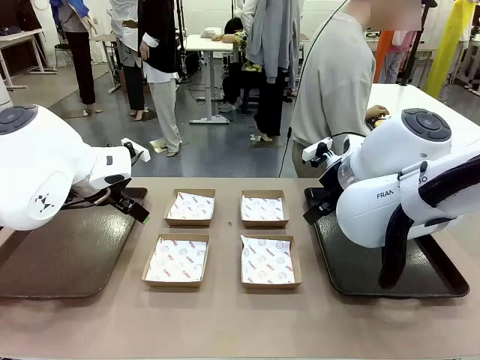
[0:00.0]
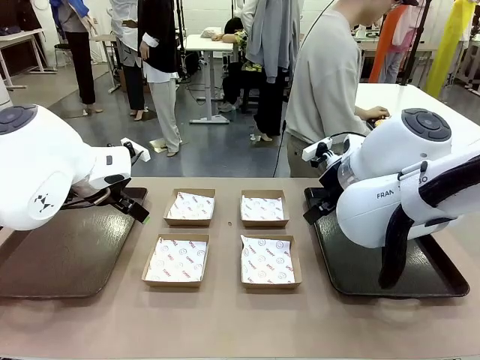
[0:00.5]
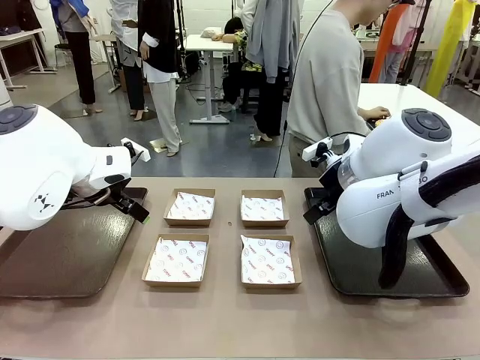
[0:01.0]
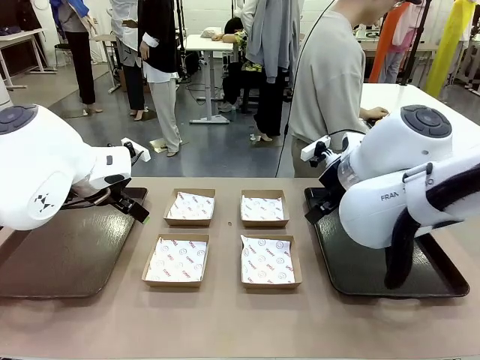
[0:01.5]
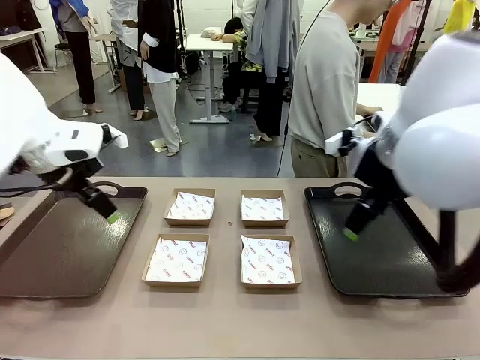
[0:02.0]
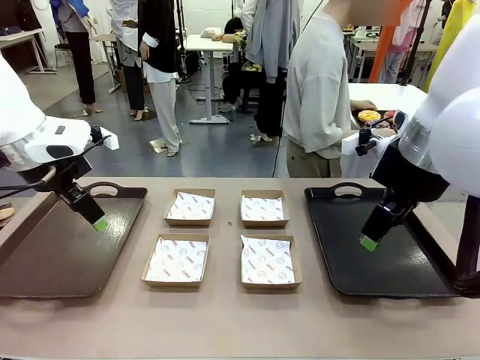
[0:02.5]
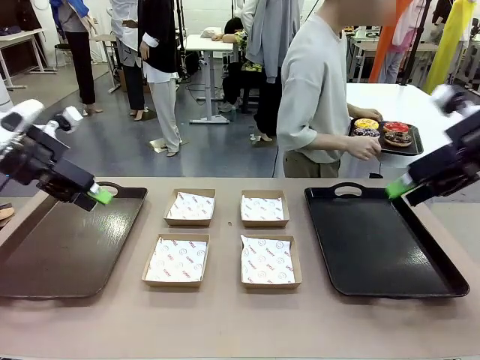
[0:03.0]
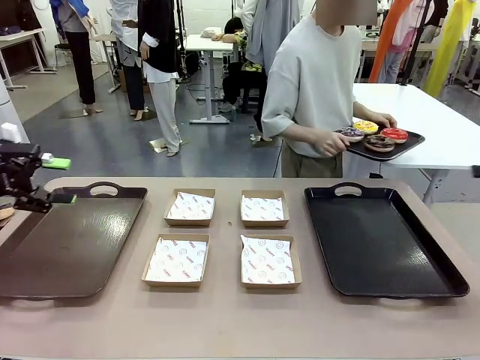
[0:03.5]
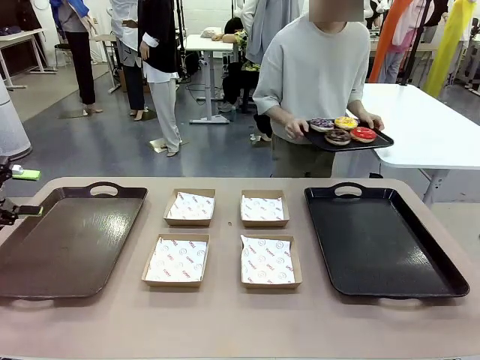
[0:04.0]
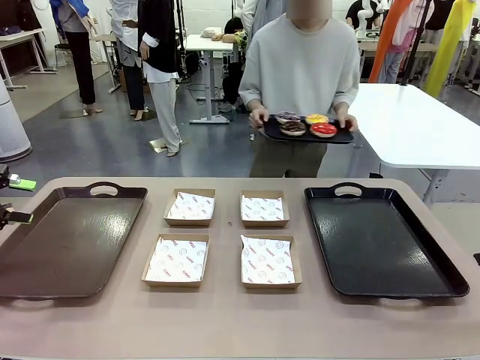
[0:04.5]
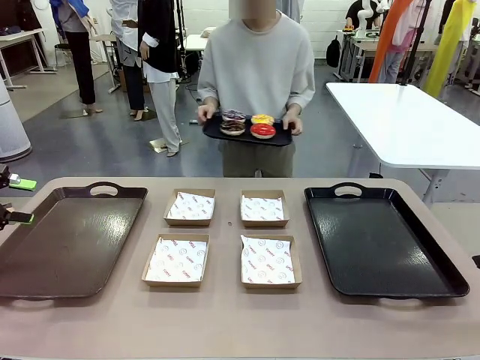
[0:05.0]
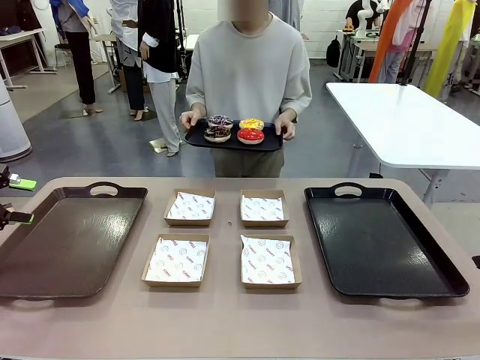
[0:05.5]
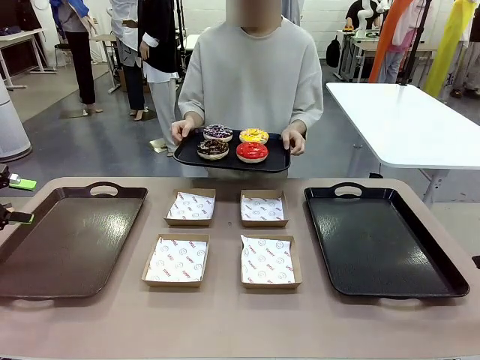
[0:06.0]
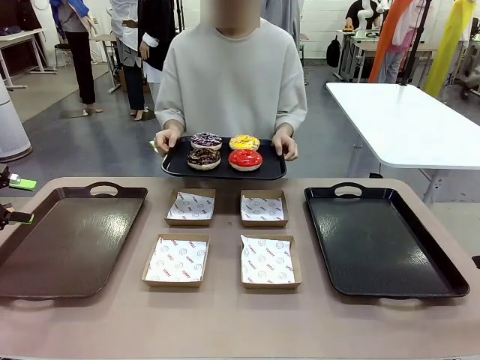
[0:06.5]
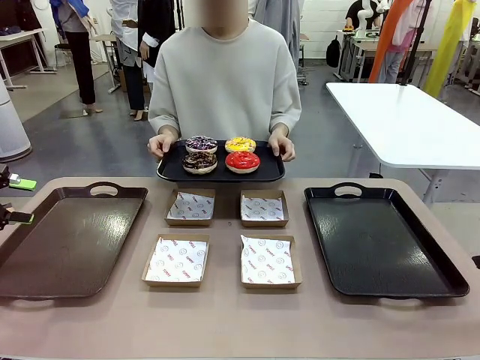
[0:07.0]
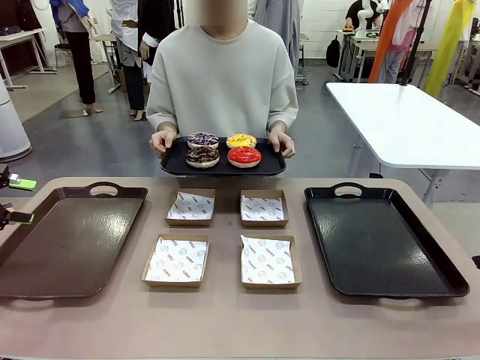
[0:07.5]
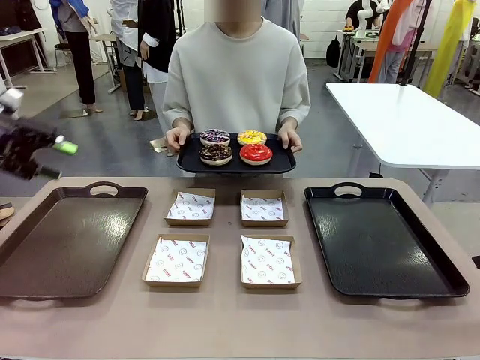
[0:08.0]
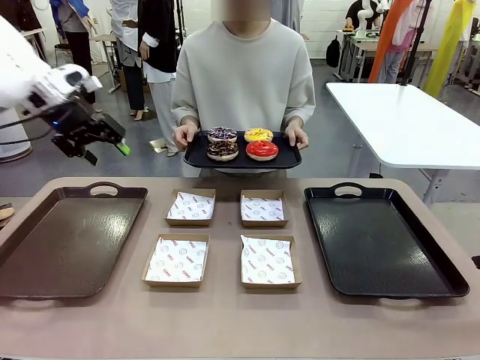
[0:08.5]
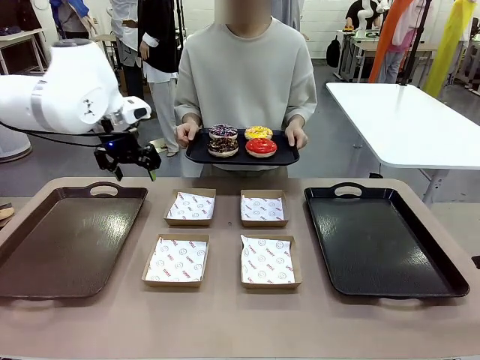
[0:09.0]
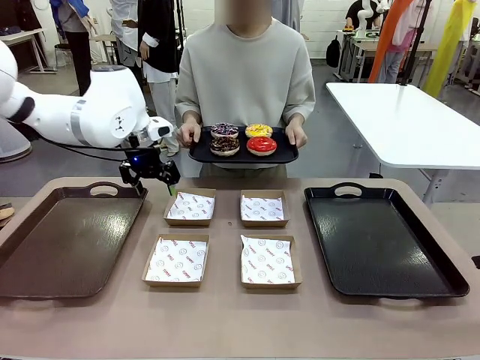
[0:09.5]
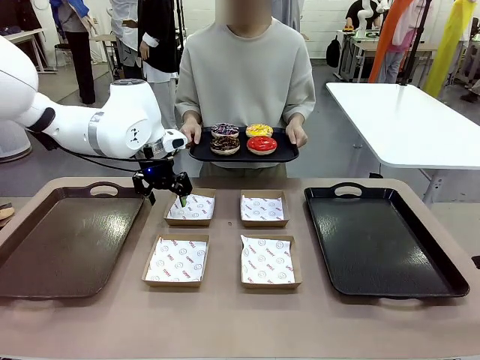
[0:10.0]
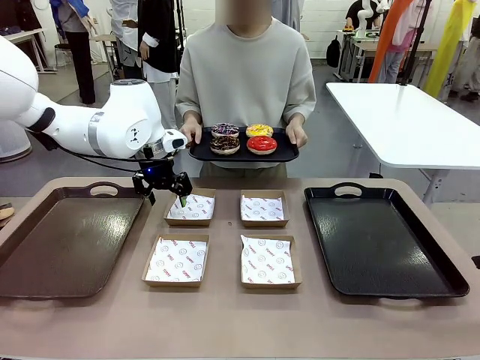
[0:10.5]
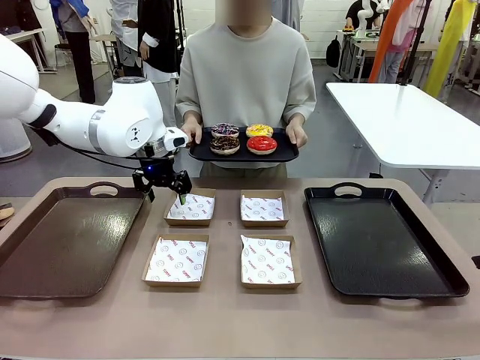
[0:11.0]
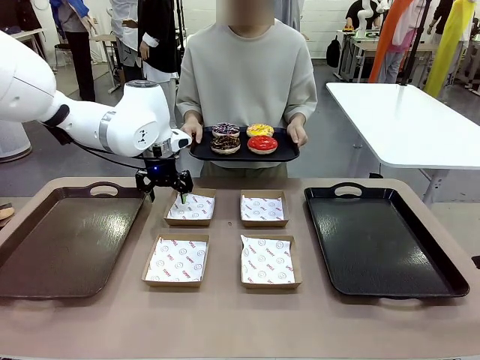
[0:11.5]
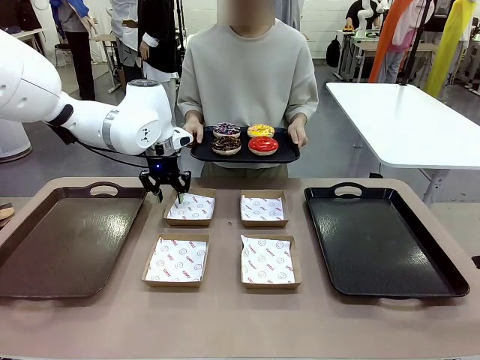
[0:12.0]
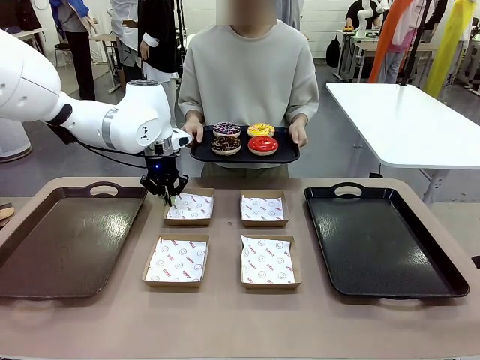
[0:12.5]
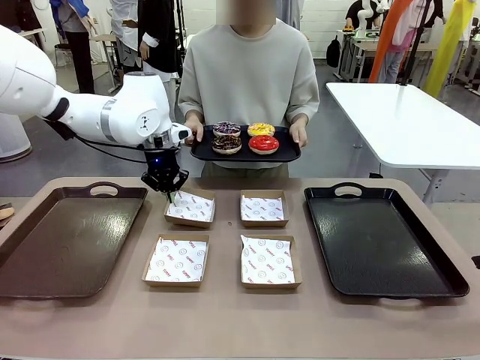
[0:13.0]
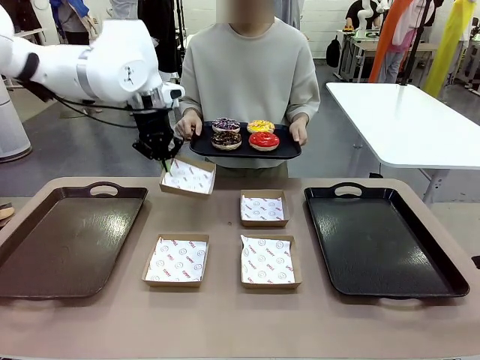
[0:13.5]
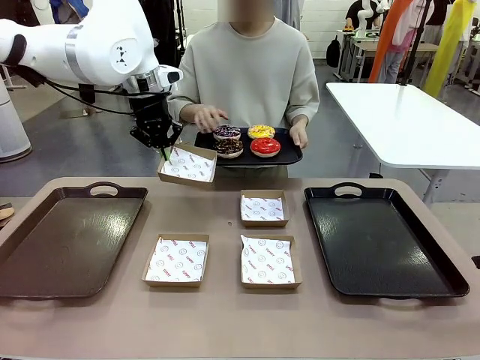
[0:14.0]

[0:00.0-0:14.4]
Task: Individually package the donuts and arrange them on the tray.
Robot: Pick up one Paper togo box.
Person: Stand in front of the robot table holding the tray containing the donuts.

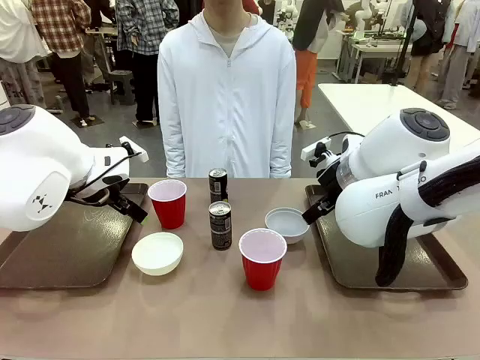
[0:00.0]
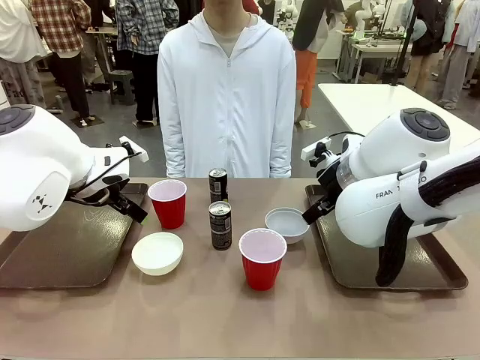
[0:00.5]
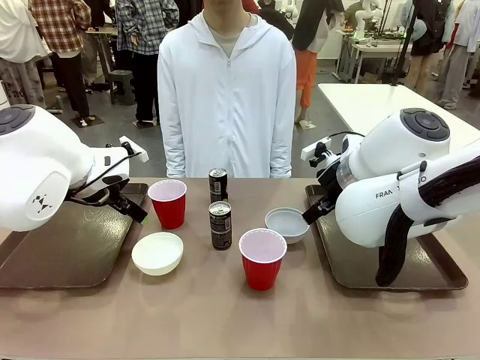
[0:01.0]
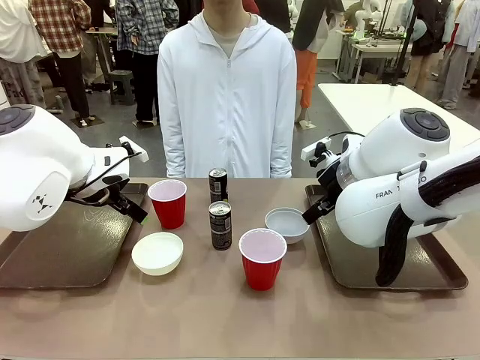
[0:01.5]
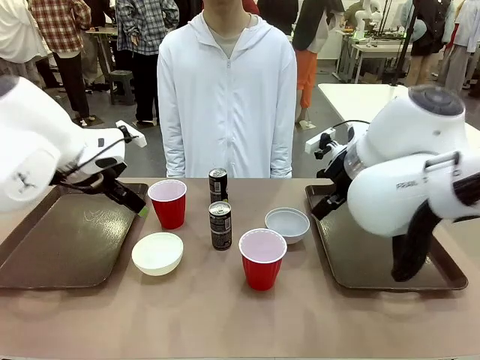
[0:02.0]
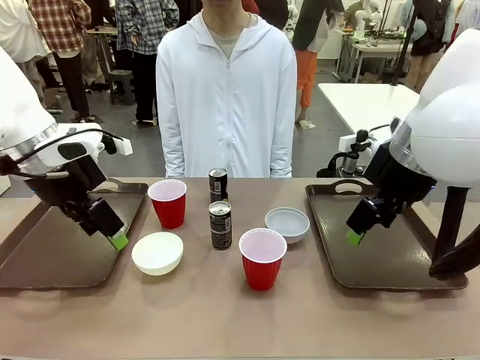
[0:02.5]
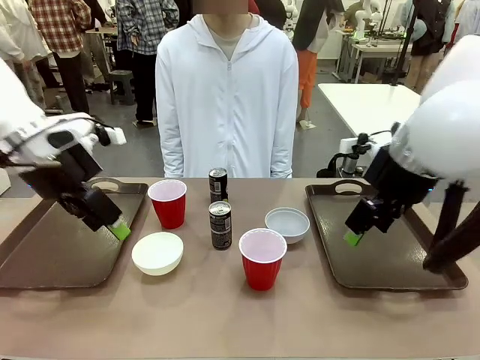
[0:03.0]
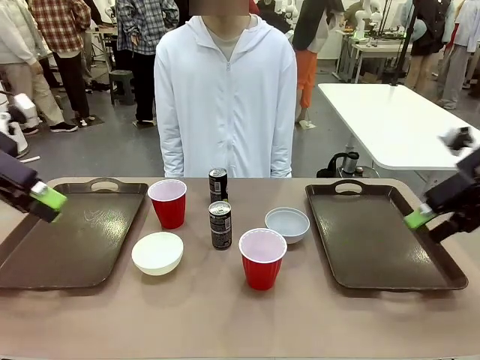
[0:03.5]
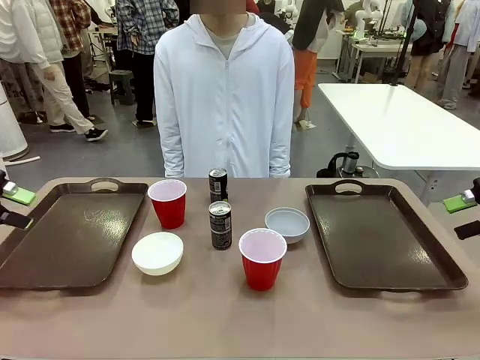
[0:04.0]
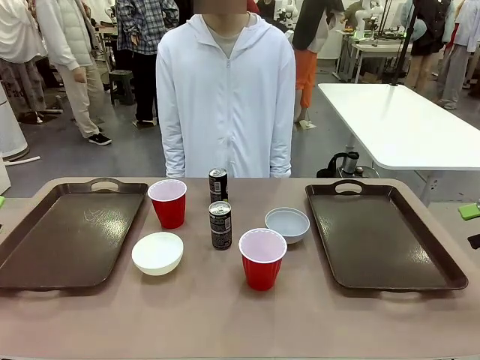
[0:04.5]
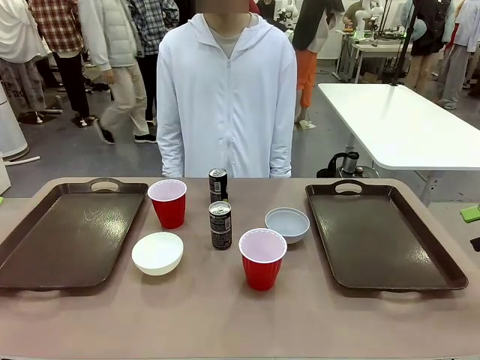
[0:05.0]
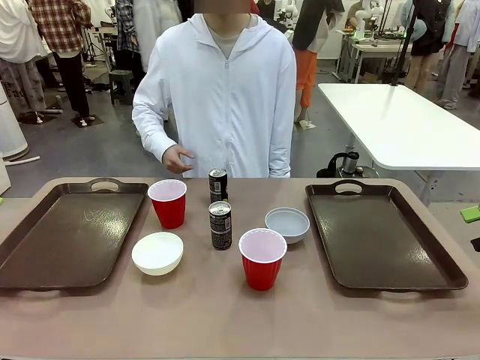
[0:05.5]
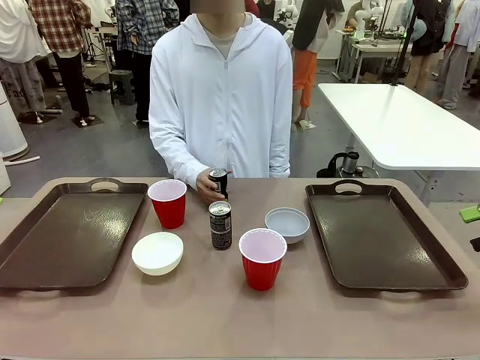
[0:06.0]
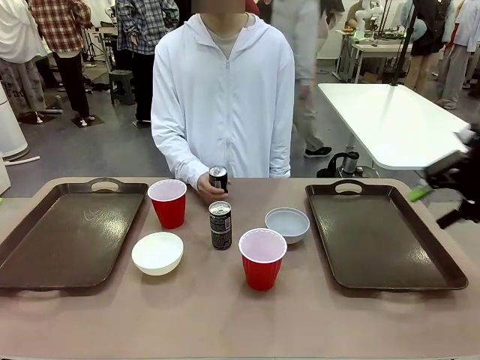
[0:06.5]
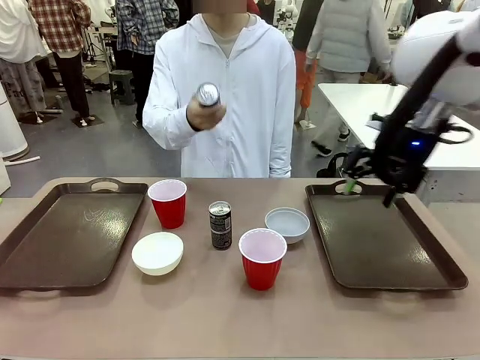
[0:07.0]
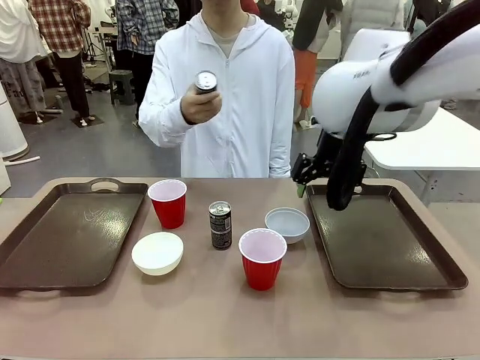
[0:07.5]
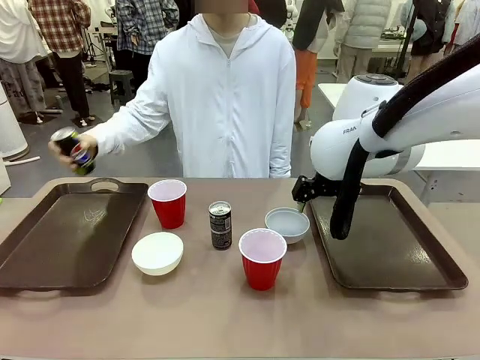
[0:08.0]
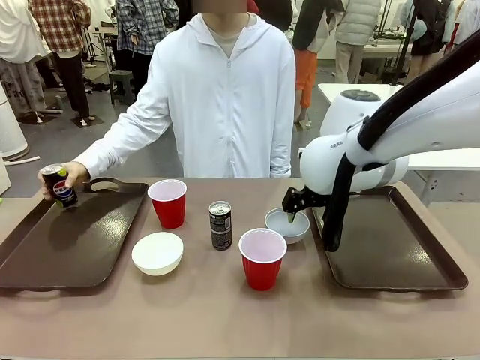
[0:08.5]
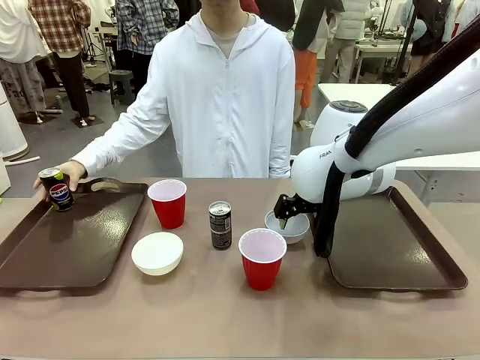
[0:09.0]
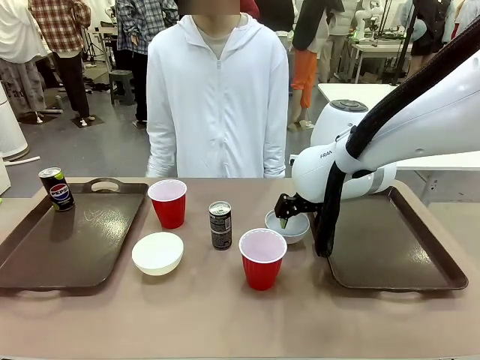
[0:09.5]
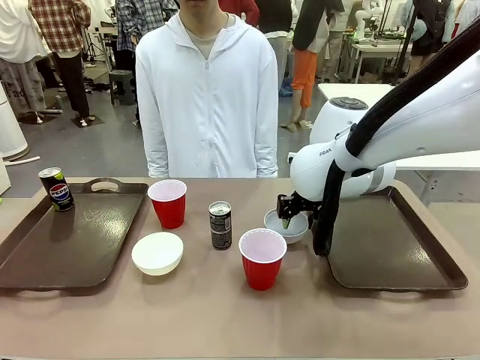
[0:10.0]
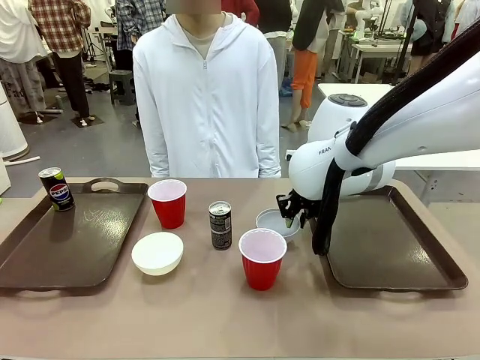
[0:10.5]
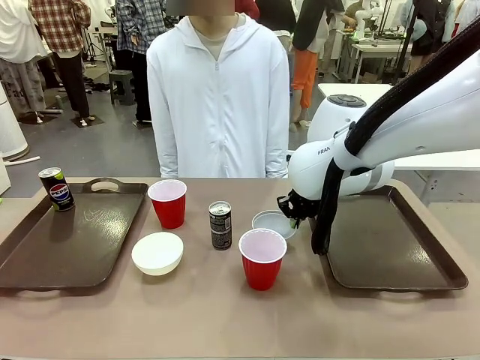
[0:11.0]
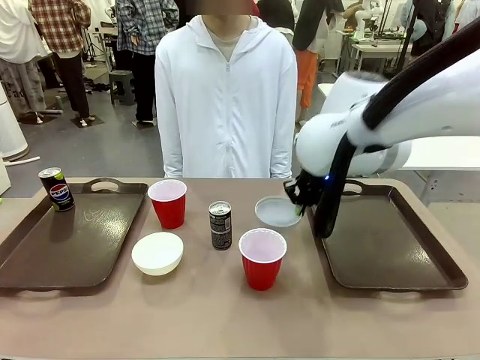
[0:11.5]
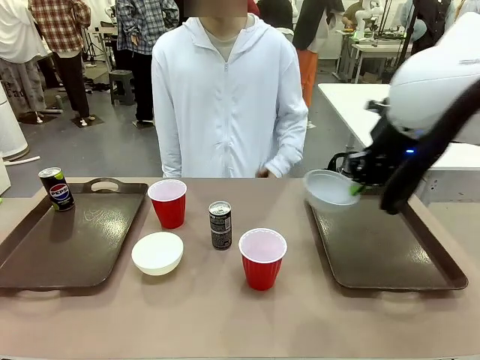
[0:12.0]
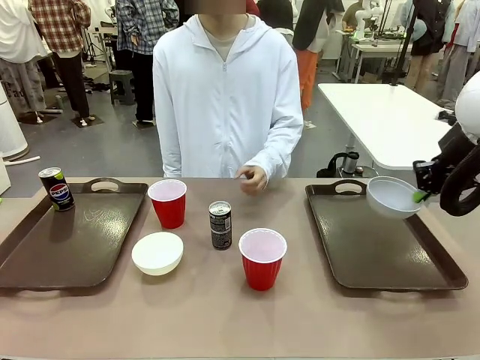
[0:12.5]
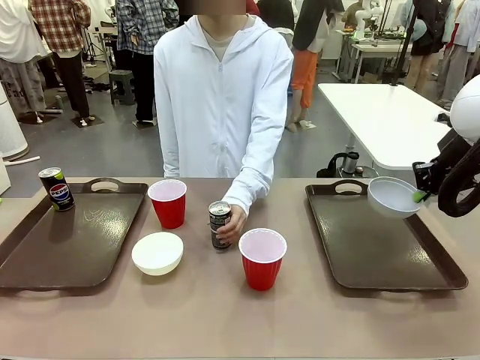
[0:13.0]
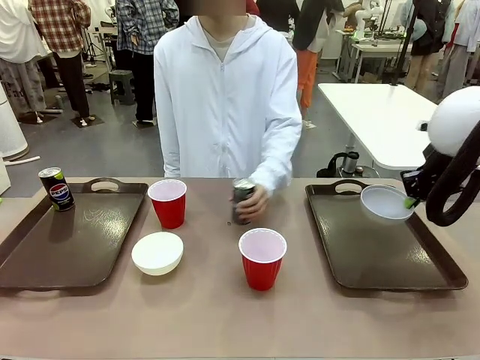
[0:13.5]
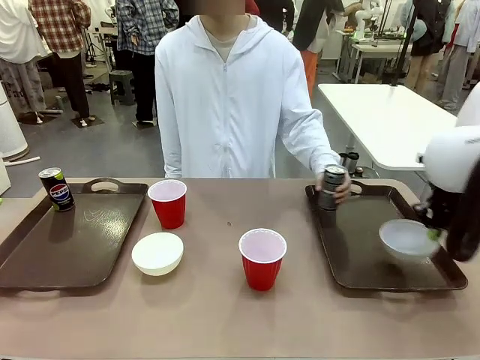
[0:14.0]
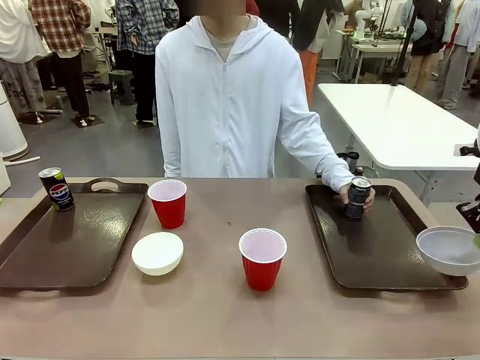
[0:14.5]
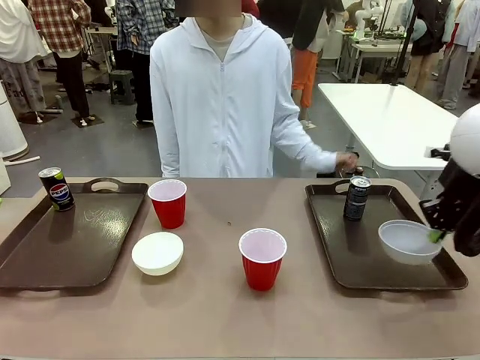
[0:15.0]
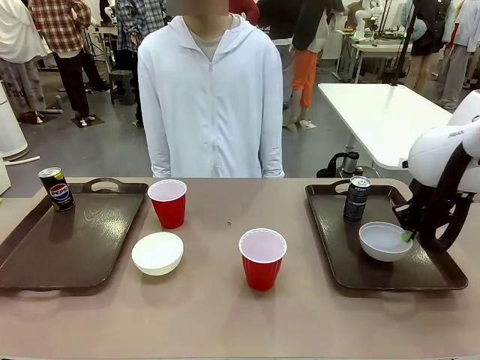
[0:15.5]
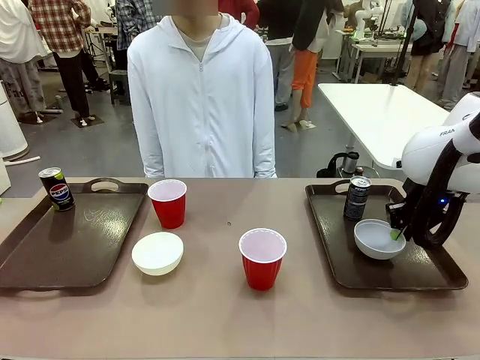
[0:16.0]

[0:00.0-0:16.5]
Task: Prepare tableware on both trays.
Robot: Pick up a Picnic Bowl from the table and place it on a Handle tray.
Person: Pick up a can or cup and place it on the tray.
